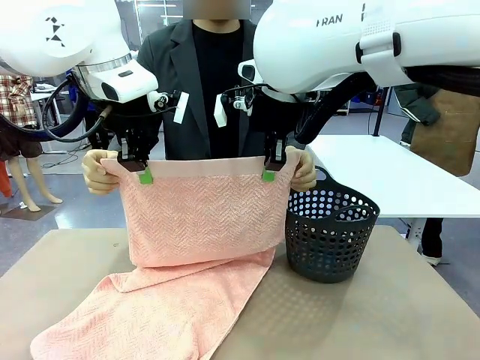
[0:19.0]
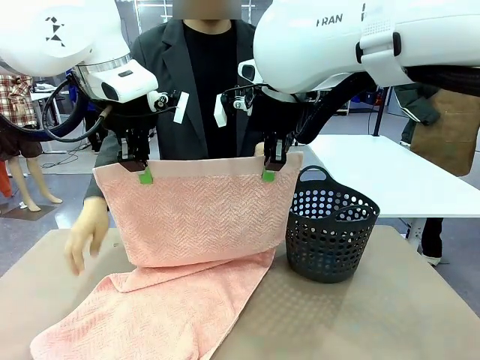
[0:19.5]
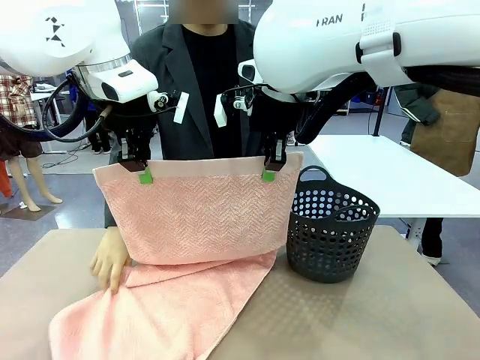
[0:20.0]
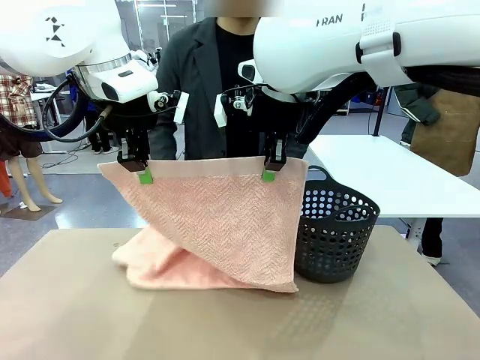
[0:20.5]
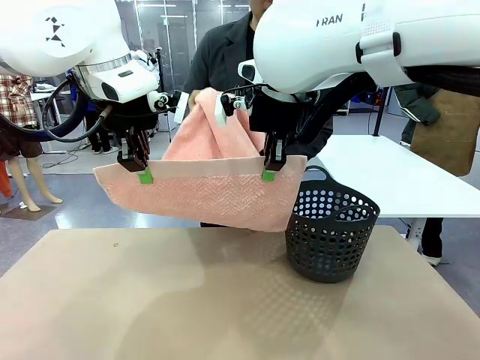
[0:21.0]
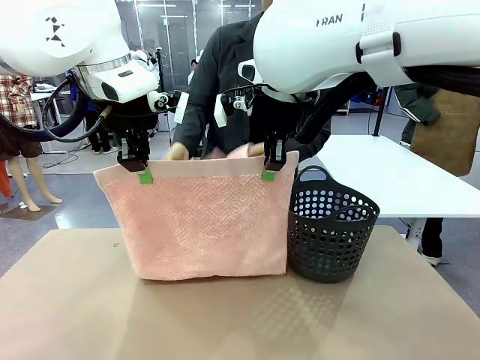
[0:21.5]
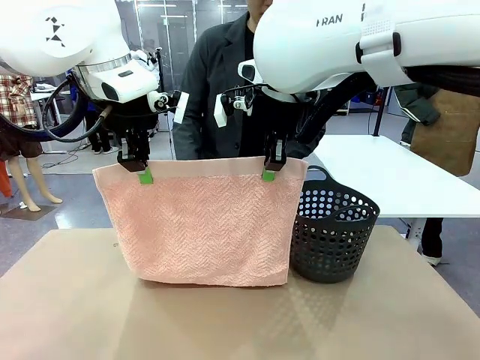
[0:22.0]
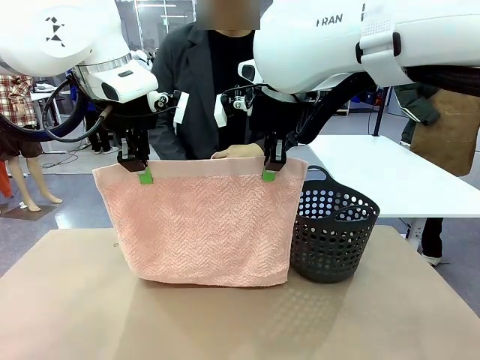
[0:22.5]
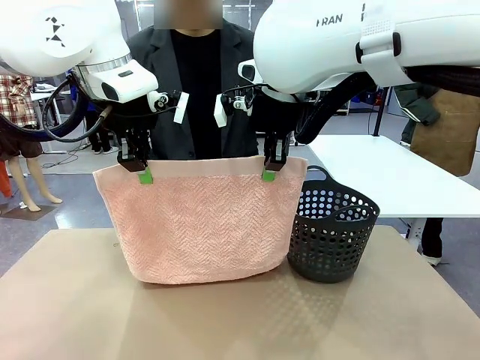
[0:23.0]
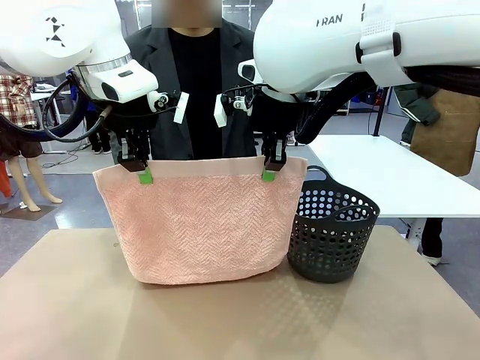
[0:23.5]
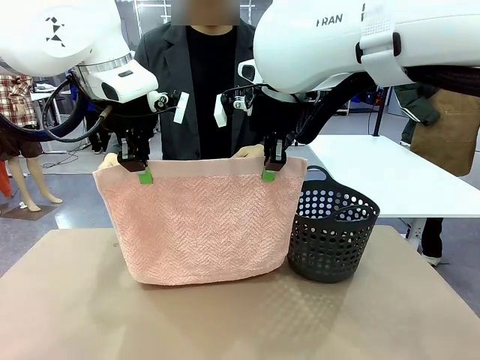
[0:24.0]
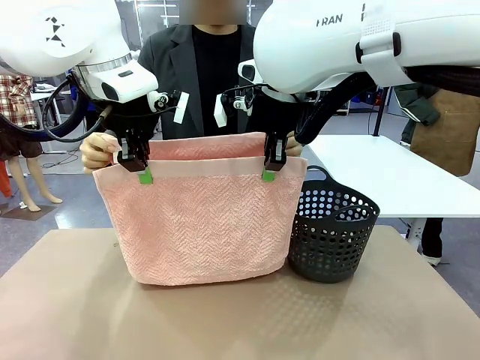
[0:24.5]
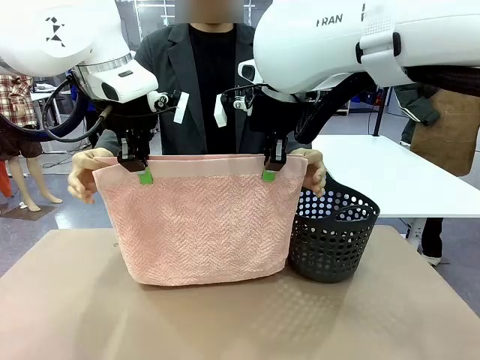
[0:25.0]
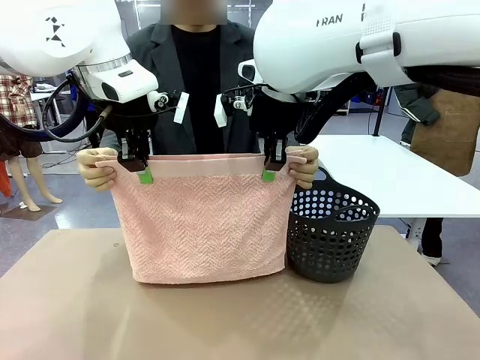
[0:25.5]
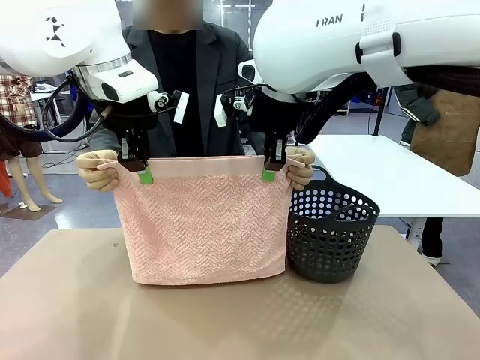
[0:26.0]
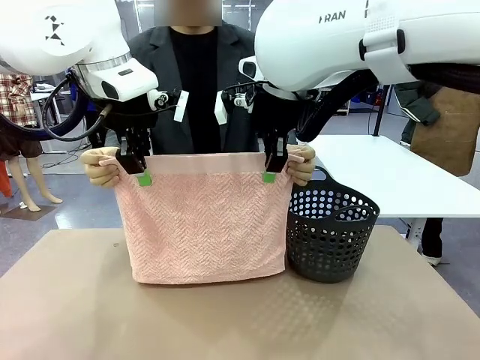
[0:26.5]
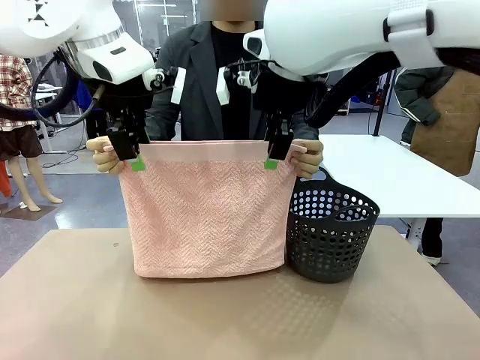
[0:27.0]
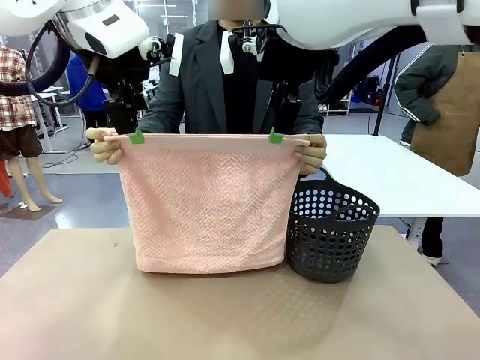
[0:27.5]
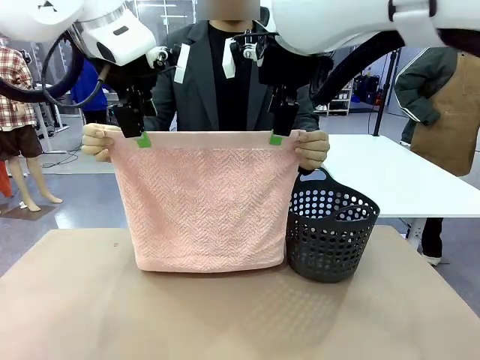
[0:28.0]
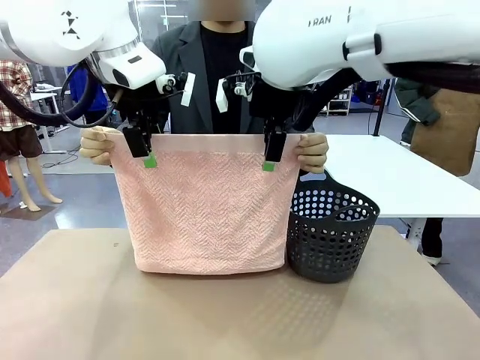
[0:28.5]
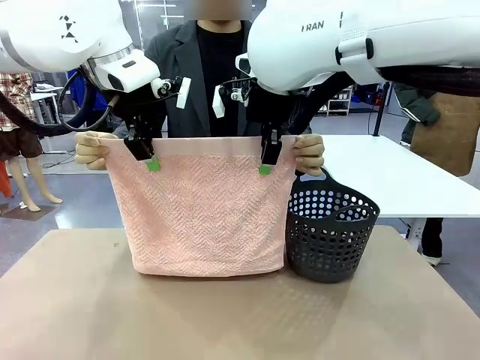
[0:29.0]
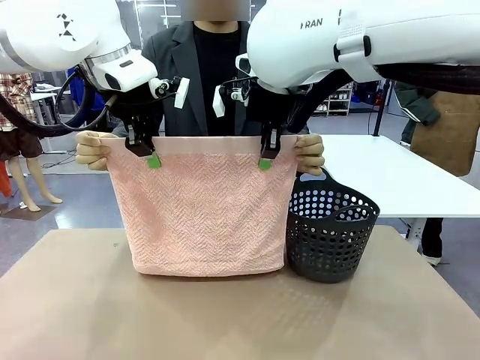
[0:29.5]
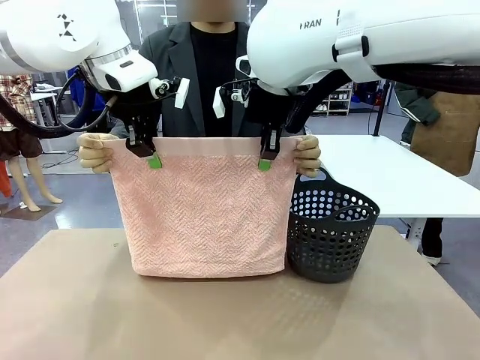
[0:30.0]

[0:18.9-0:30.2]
Task: Fold the towel.
Robot: Release the end of the 100 cm Hotel Towel you were holding and grab the top end of the folded side.
Person: Using the point held by the robot as a reference, grasp the opposite end, fold the towel in half, and then hold both ends of the folded towel.

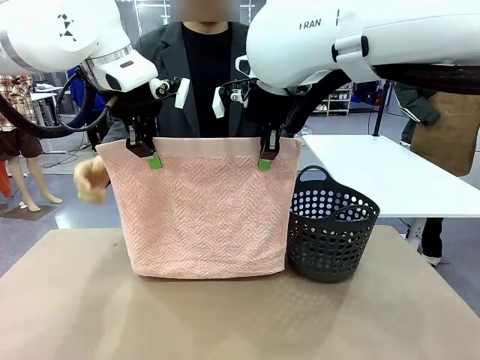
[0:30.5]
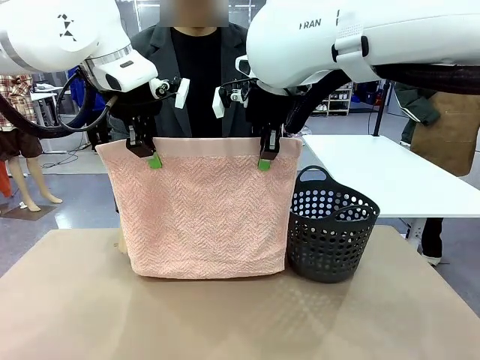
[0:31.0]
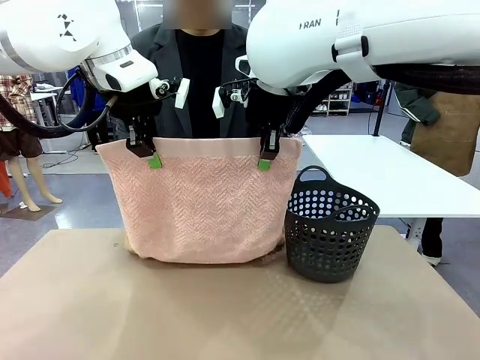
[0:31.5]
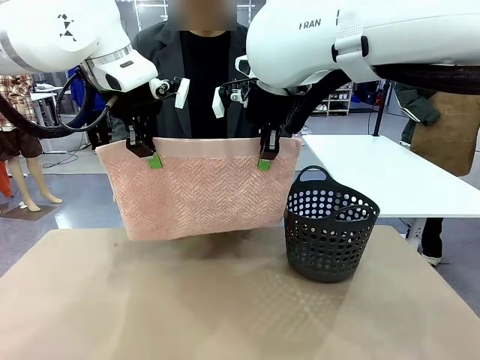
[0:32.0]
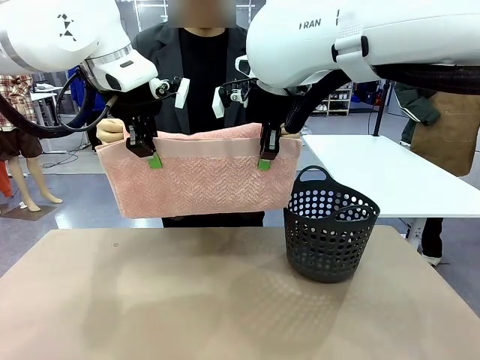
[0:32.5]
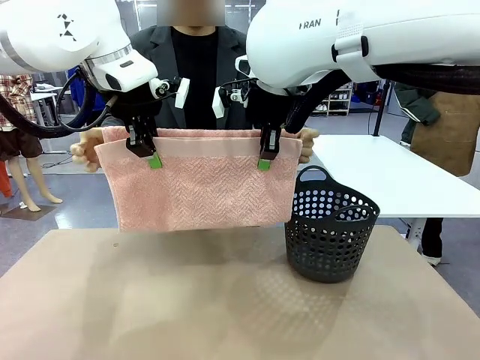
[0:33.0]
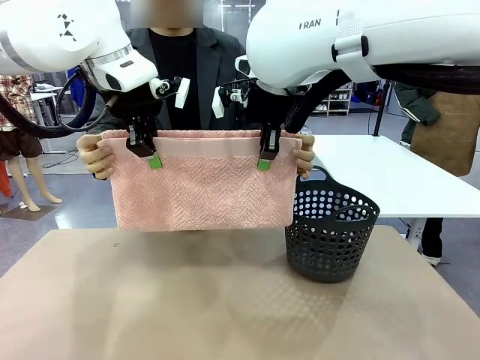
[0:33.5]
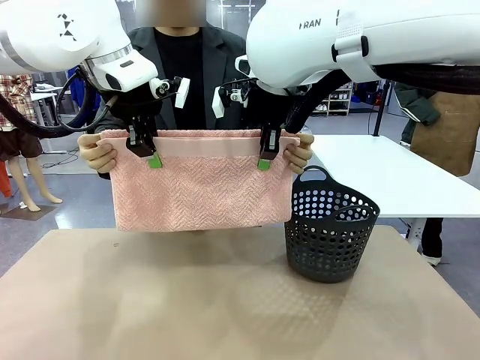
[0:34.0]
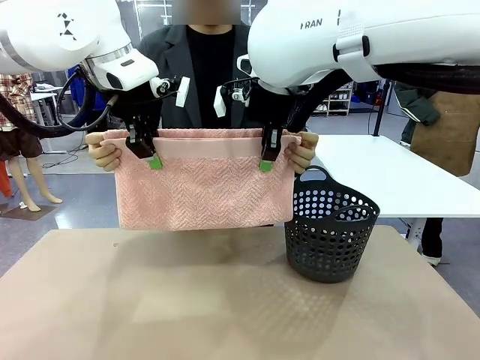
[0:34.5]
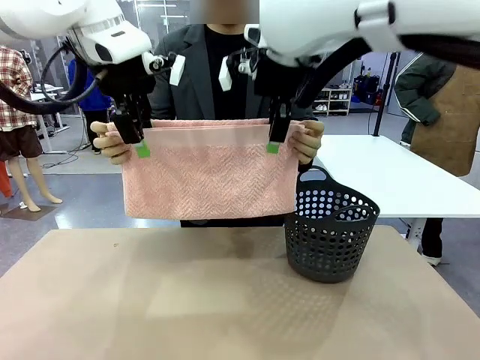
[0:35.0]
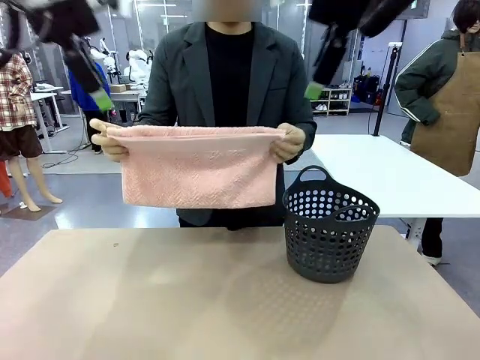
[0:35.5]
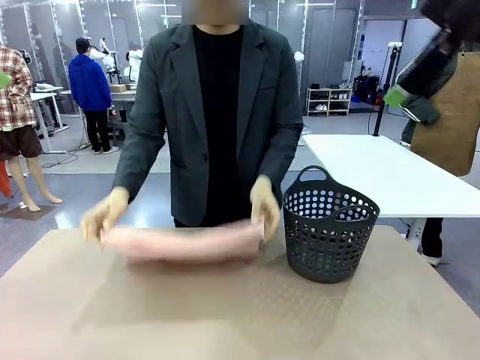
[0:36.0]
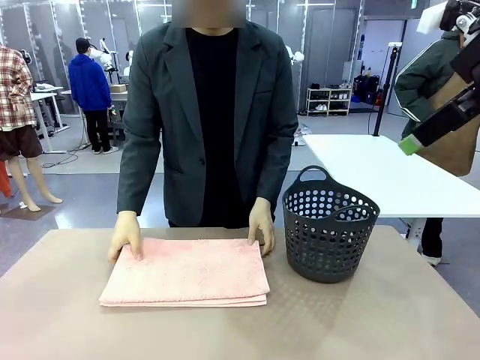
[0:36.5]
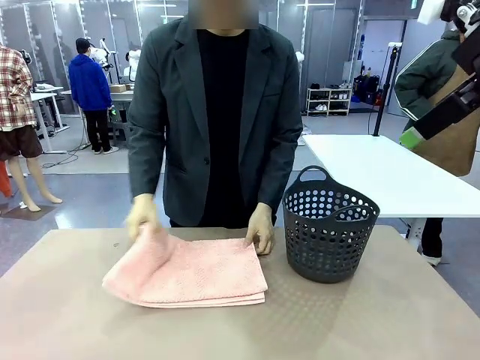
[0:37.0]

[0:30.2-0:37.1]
Robot: Release the end of the 100 cm Hotel Towel you were holding.
Person: Place the towel at the center of the robot table and fold it in half.

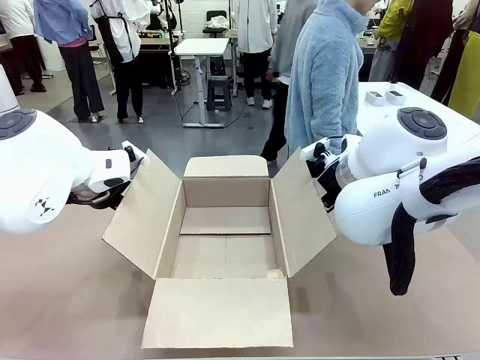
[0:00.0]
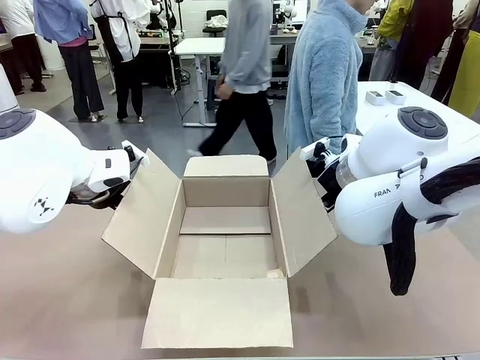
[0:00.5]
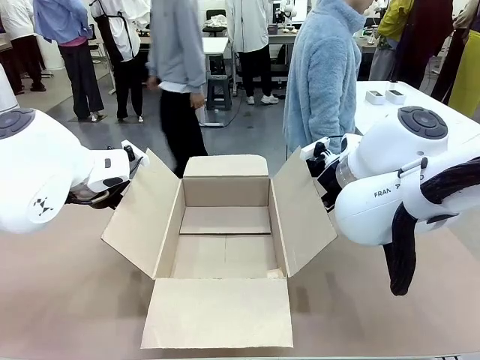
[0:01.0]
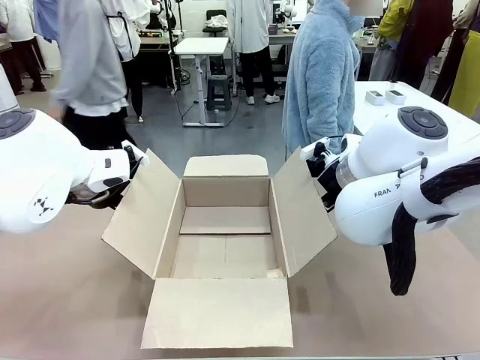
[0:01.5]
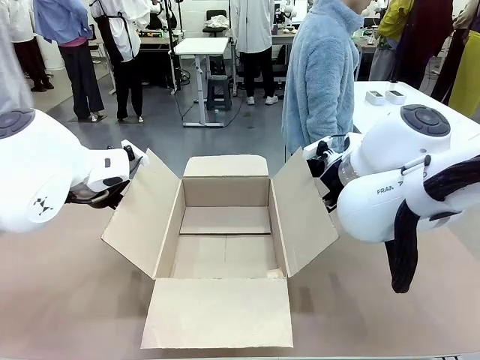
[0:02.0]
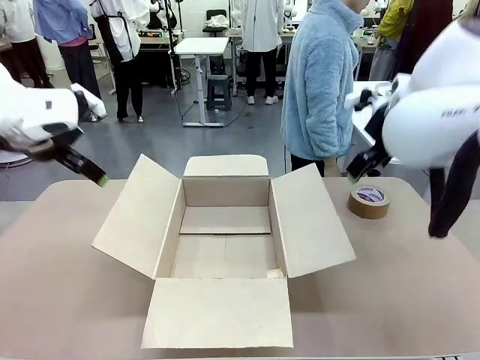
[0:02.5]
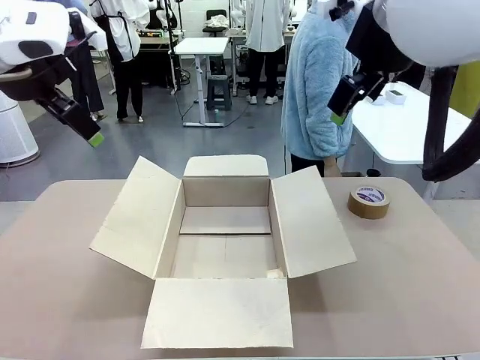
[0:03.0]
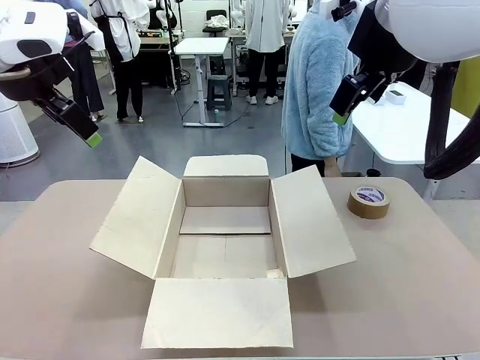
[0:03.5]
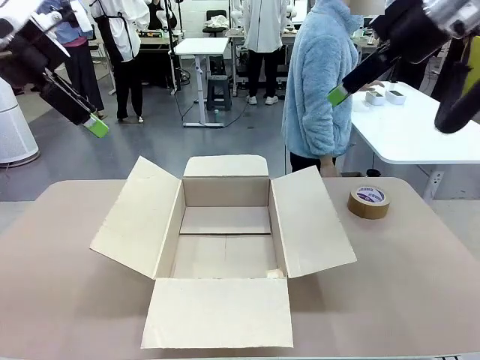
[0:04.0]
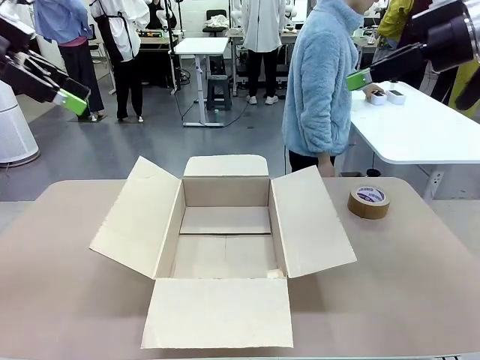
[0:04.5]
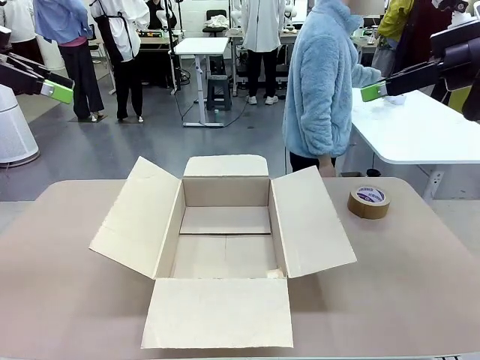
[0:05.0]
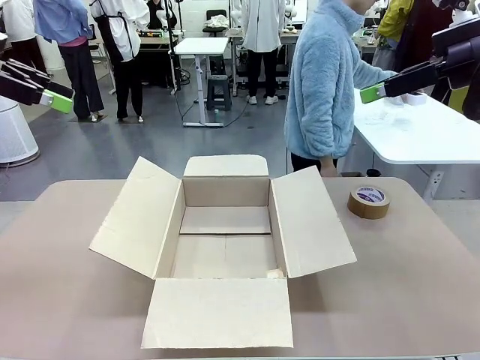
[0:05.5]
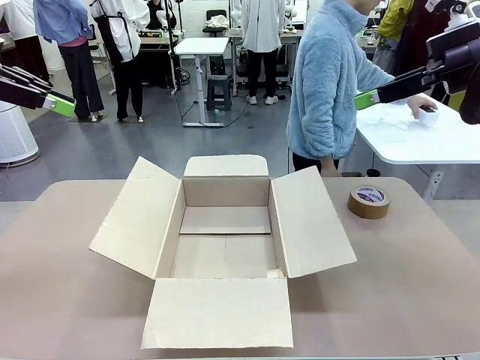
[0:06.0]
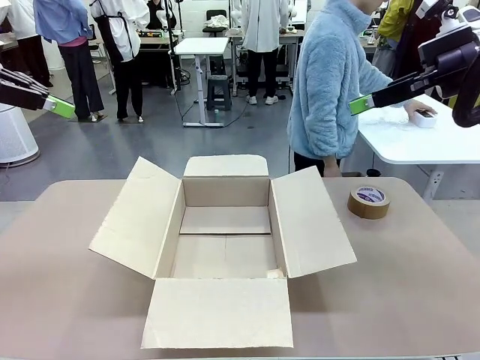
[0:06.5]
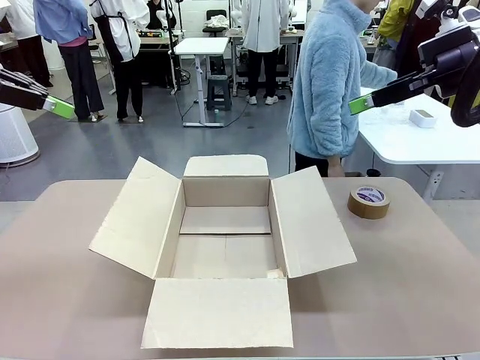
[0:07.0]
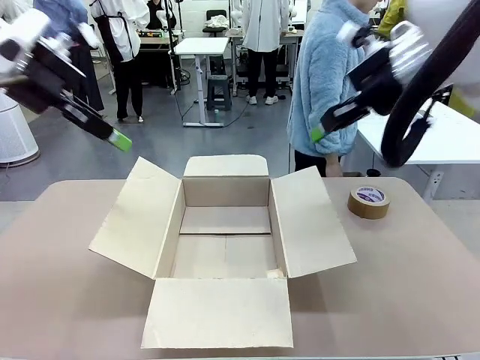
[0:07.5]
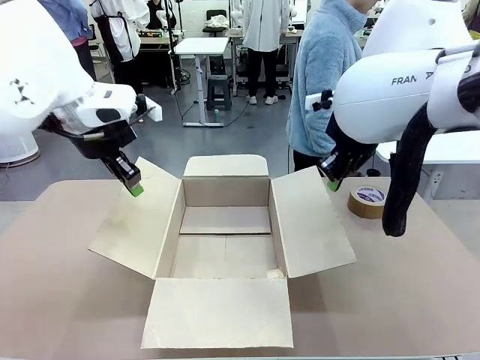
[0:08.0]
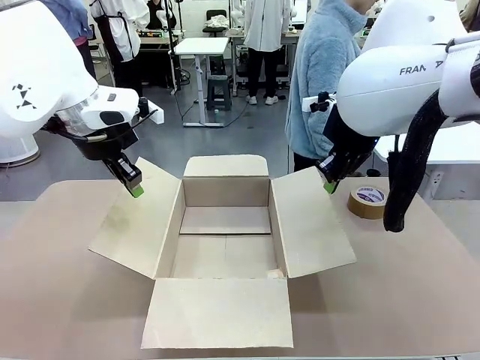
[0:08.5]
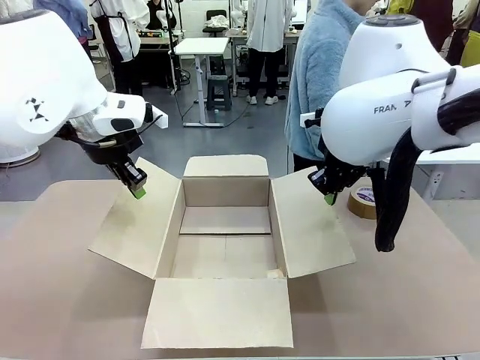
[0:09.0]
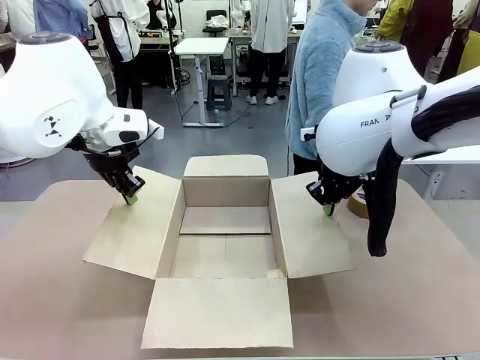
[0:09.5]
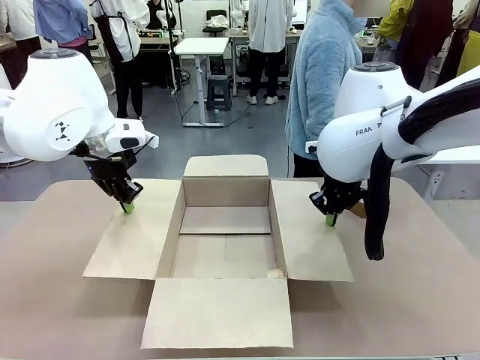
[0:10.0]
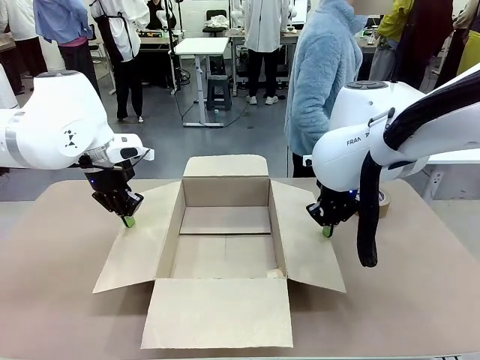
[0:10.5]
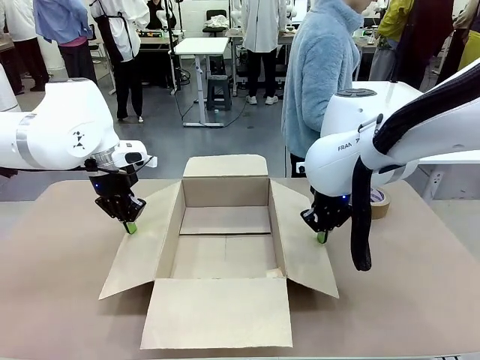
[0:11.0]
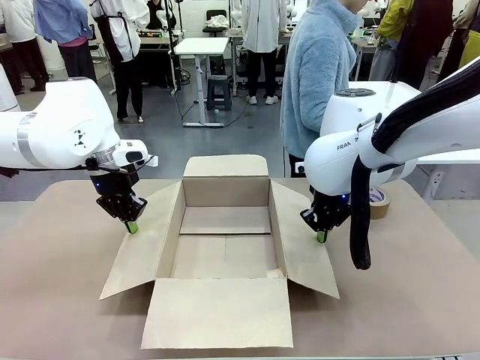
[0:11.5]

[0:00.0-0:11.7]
Task: Wrap the clocks to prevent damage.
Robot: Open the side flaps of the Package Box.
